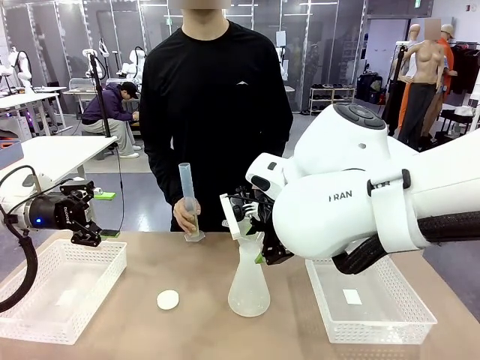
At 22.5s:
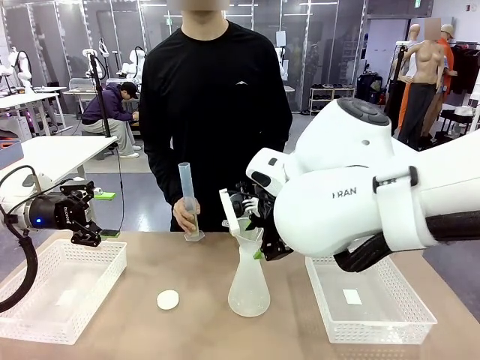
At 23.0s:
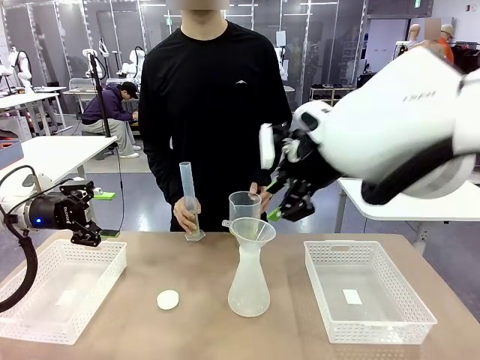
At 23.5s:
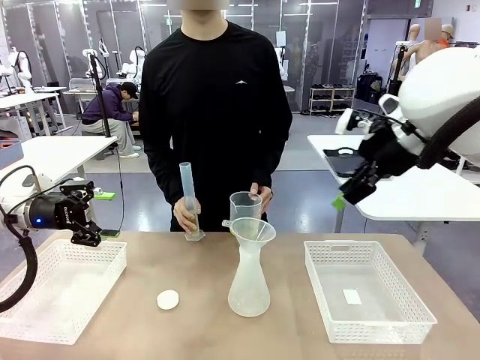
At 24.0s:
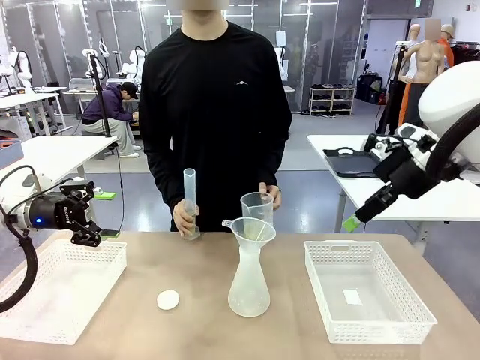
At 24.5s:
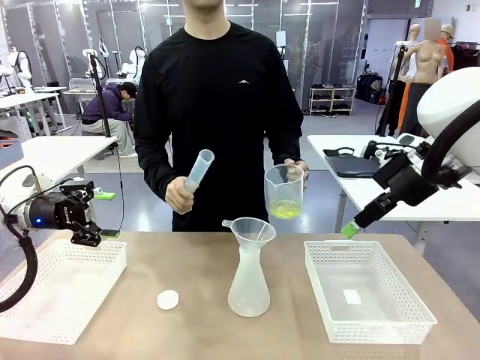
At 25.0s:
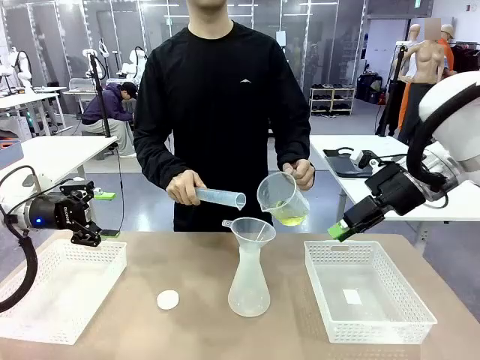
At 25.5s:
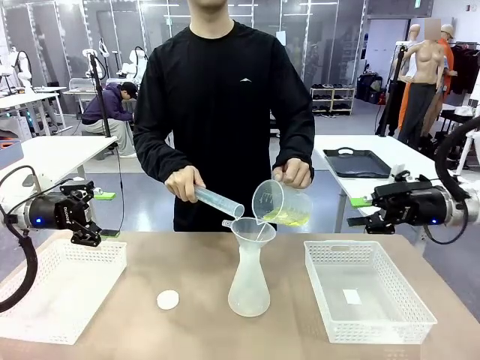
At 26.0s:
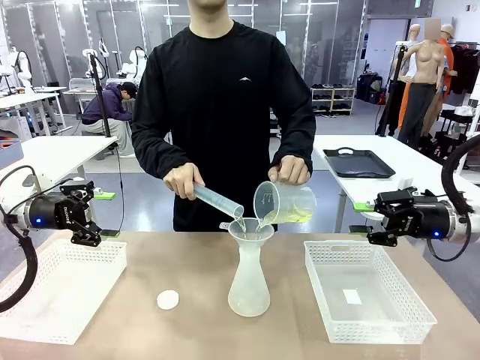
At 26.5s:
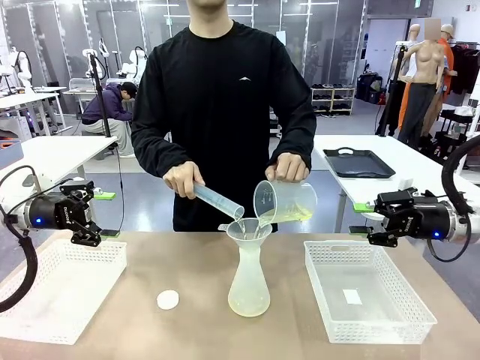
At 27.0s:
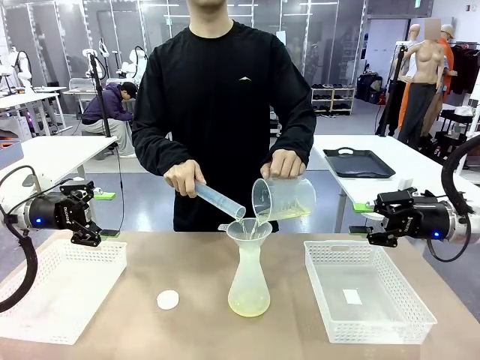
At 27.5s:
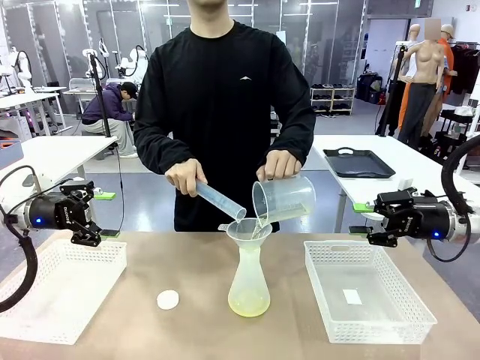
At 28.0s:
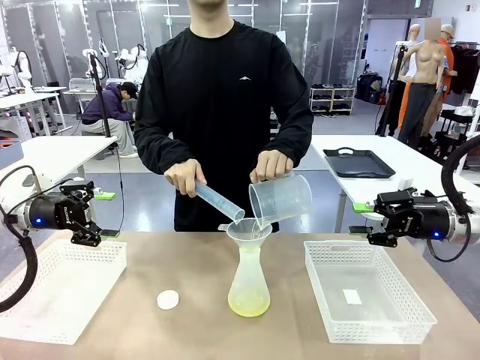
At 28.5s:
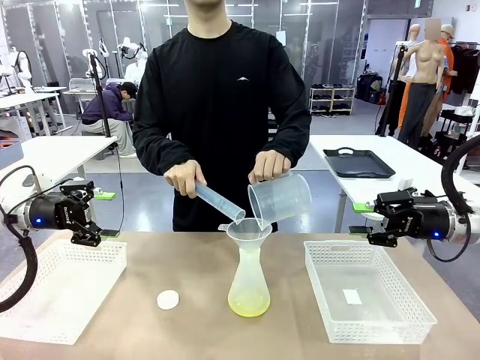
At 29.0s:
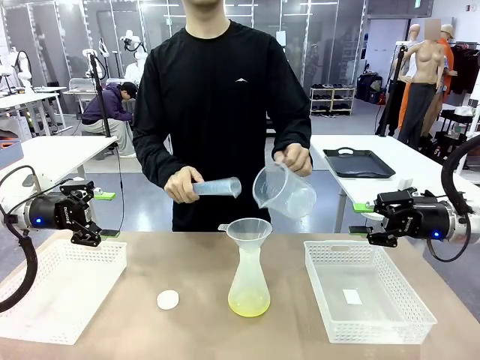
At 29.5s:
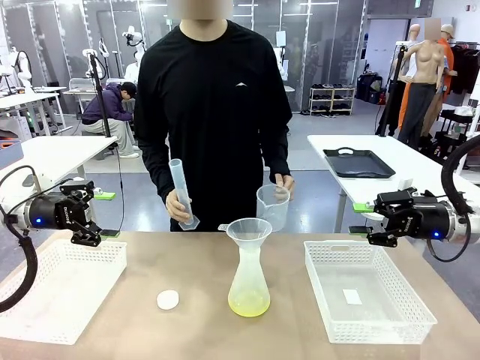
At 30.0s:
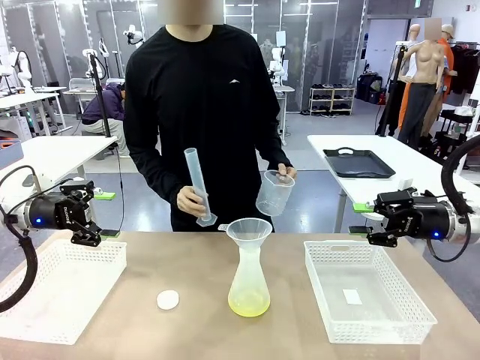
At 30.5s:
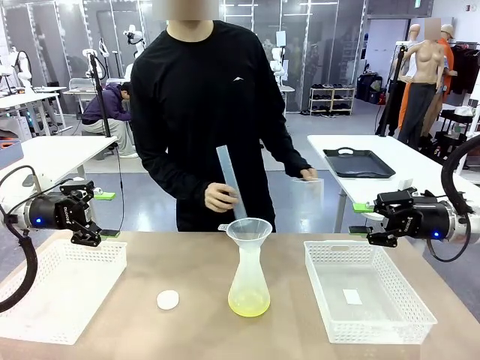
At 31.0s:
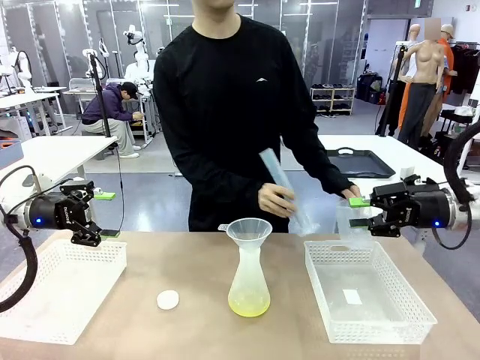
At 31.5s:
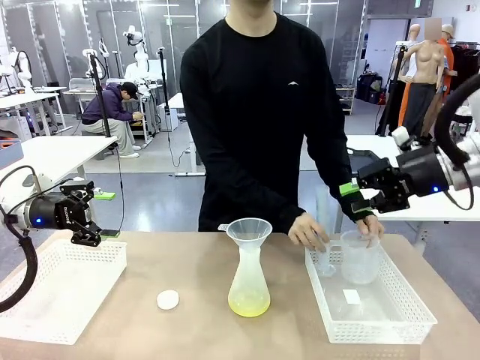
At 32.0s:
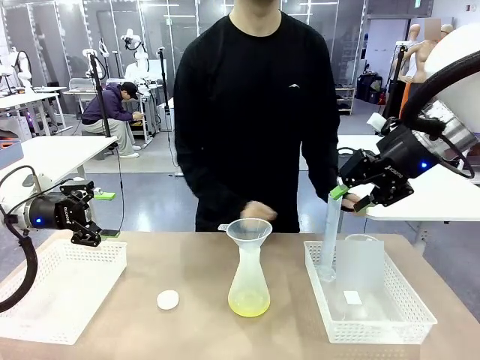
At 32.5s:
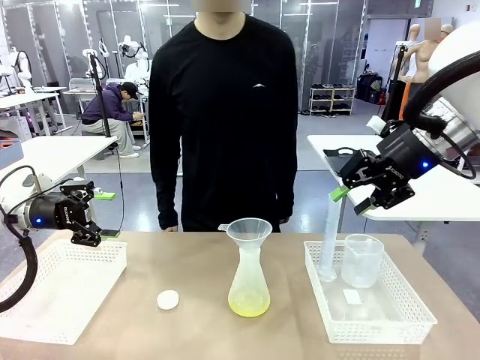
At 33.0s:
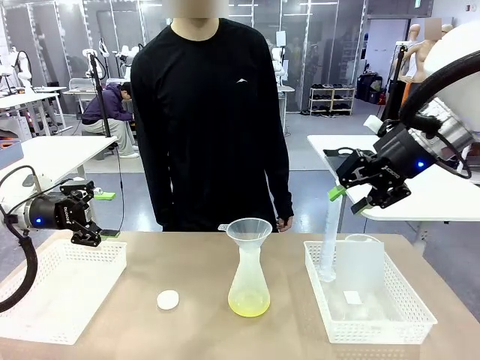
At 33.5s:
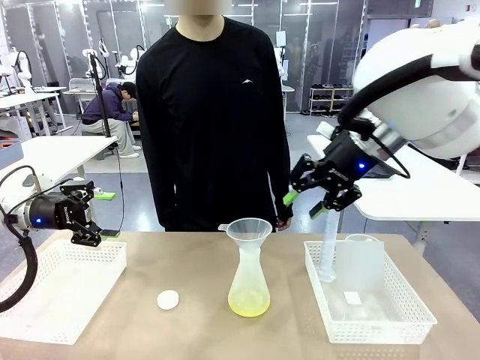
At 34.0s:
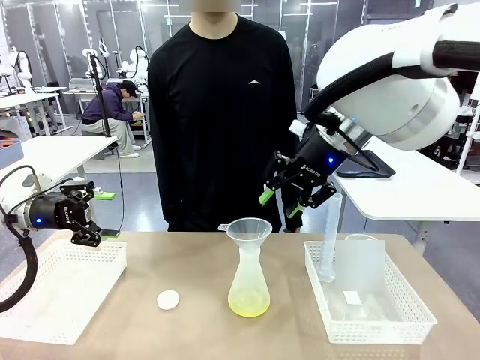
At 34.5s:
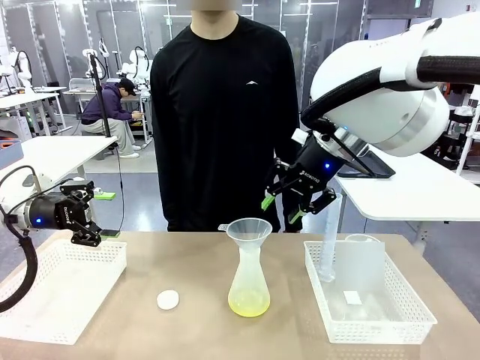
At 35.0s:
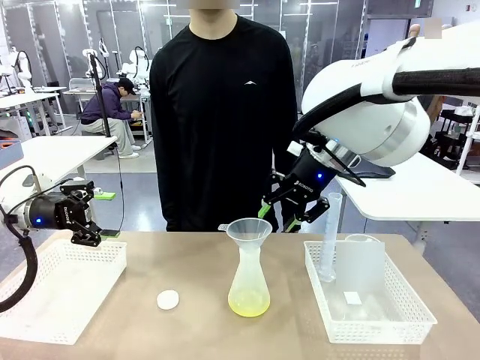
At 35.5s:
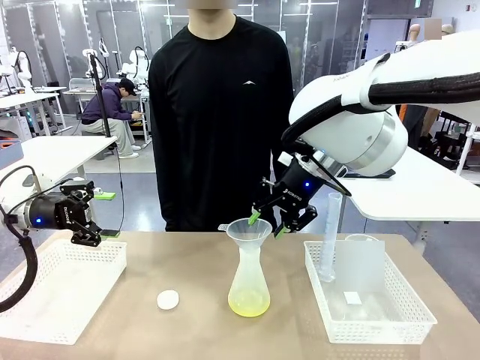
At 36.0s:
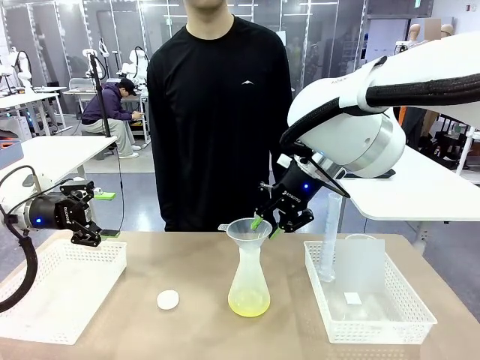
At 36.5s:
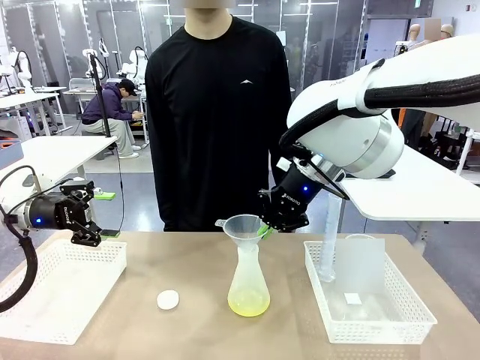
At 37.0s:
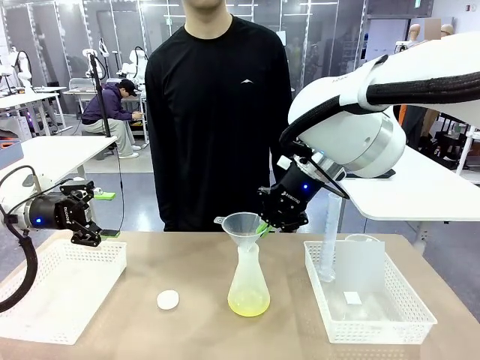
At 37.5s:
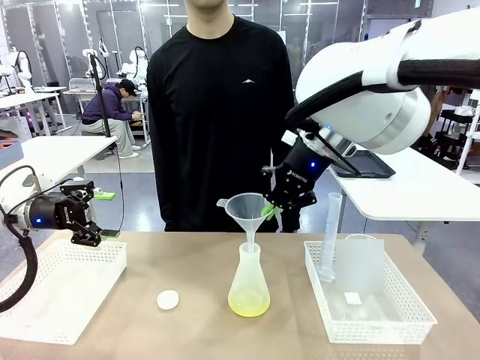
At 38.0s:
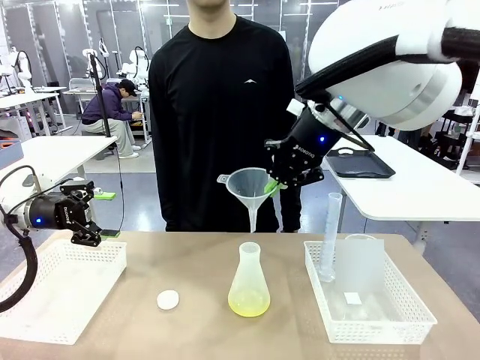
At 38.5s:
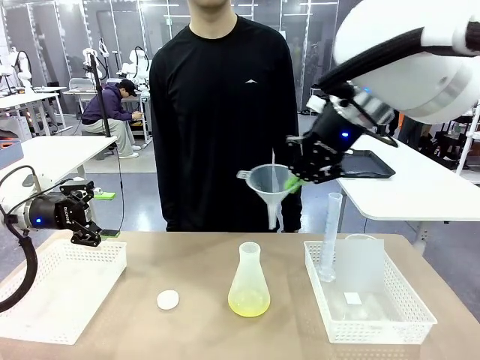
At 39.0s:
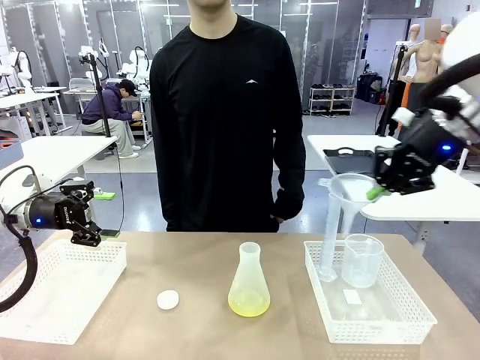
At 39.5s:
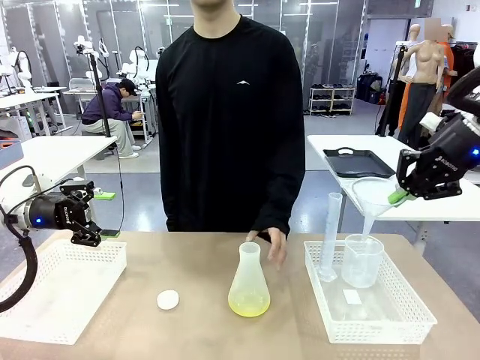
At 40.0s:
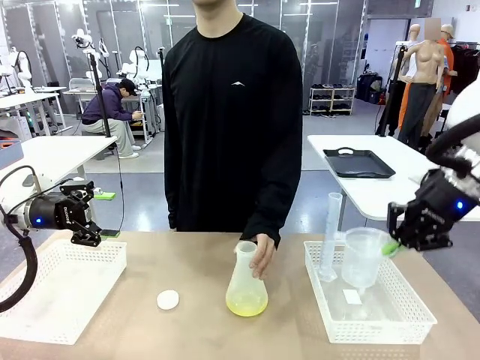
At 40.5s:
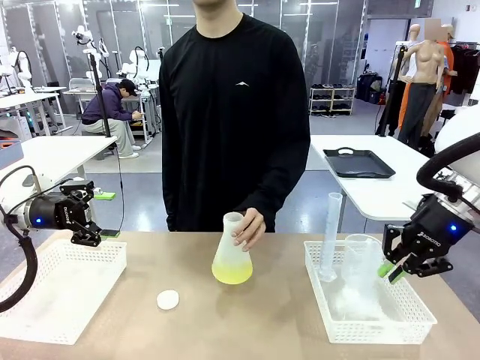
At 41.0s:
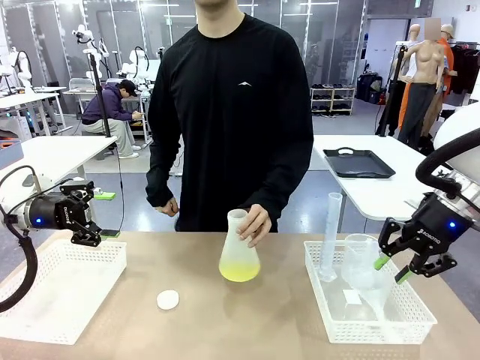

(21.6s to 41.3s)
Task: Prepare the solutions needed for the experiment.
Robot: Once the solution is in the Big flask , pick up the Plastic Funnel and place it back into the right Organizing basket.
Person: Place the beaker and the cylinder into the organizing basket on the left side. Pick up the flask, gently shake it 2–3 times, place it in the middle of the robot table, and close the lid.

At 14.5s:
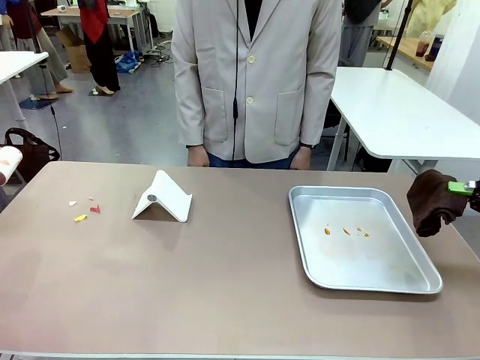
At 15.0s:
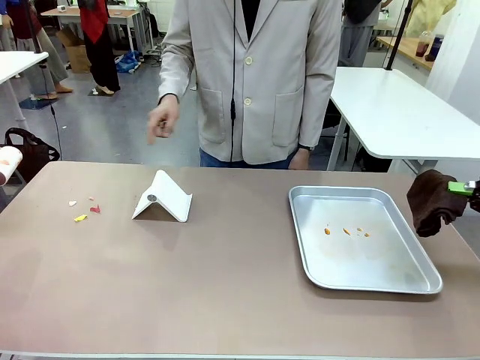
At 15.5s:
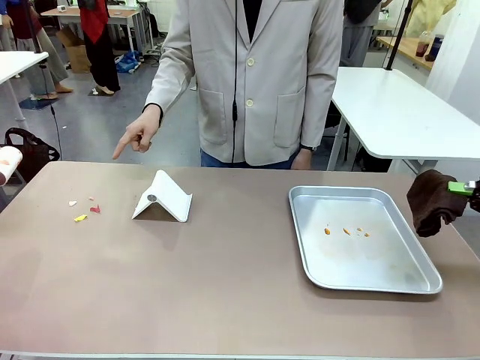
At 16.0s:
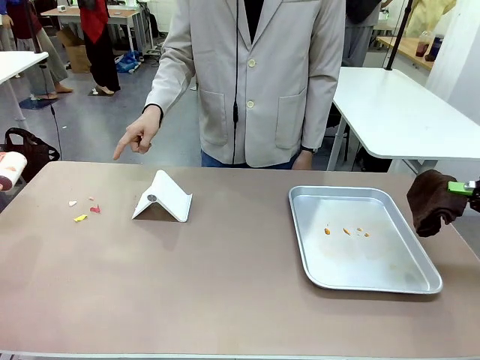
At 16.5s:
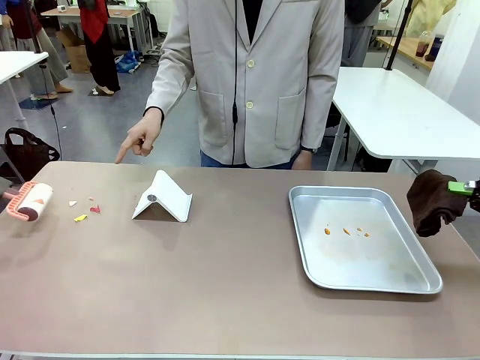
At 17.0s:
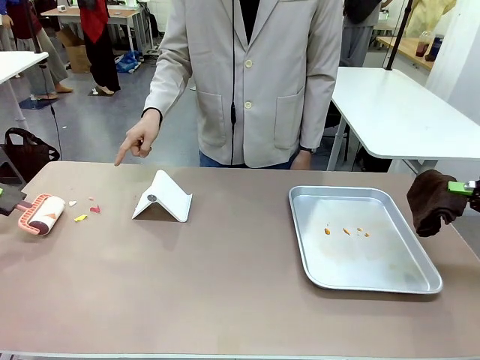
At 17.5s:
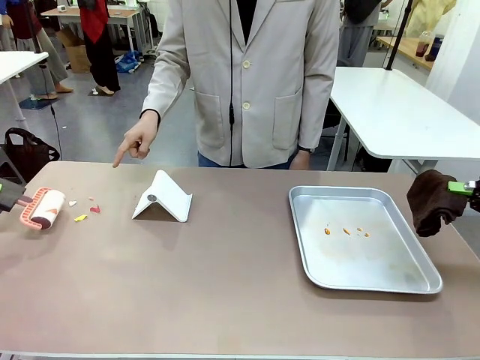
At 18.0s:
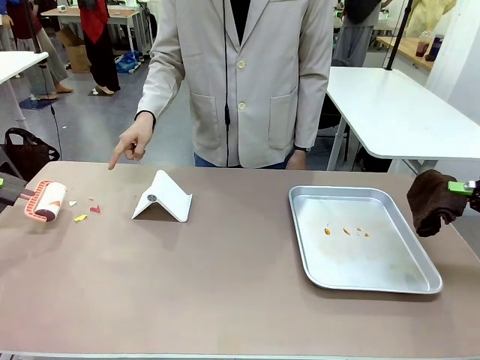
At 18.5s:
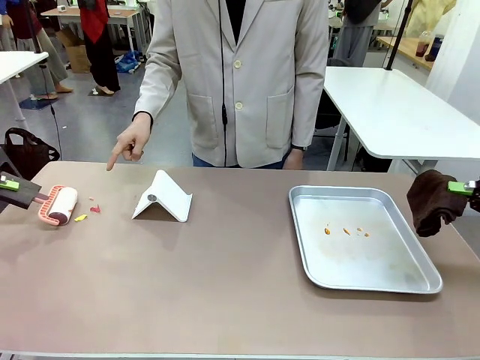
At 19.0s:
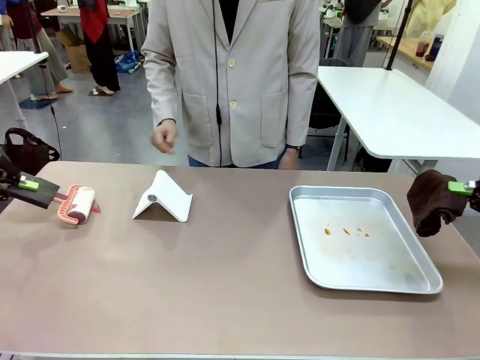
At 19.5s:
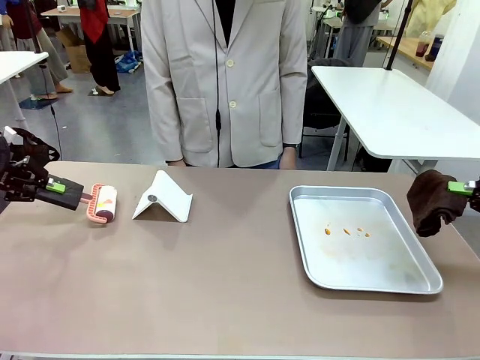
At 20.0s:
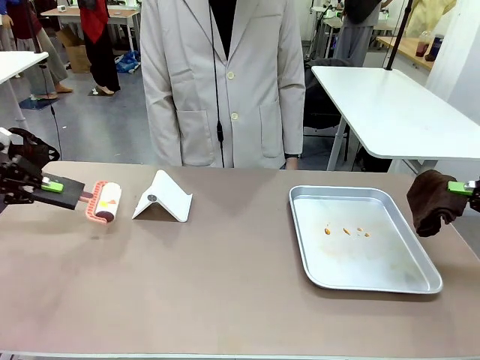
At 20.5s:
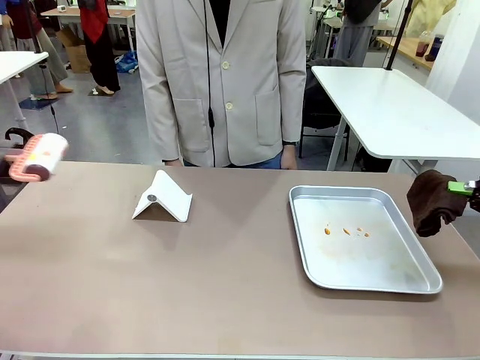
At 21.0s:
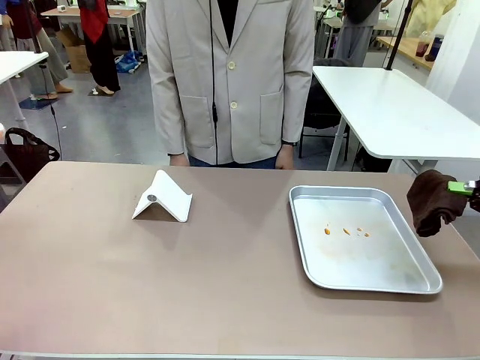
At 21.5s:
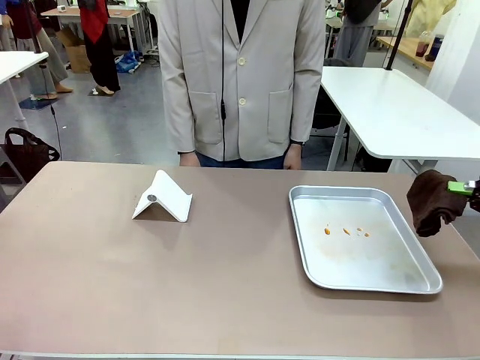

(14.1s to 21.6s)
Task: Clean the surface of the table.
Robot: If a person points to the right, clean the right side of the table with your right hand, and if they point to the left, clean the left side with your left hand.
